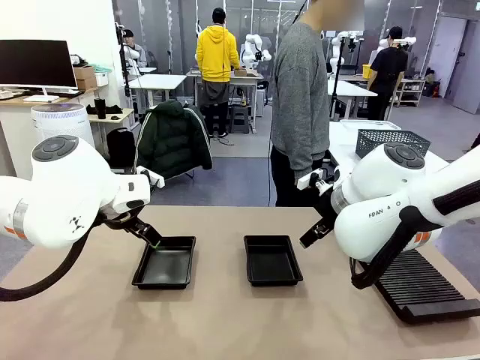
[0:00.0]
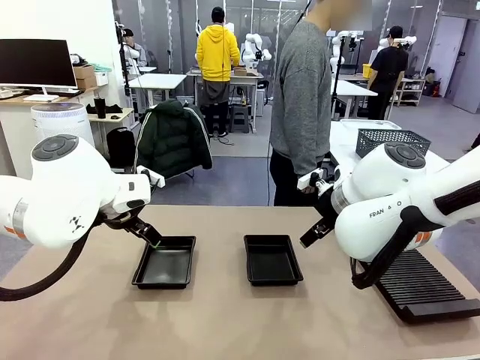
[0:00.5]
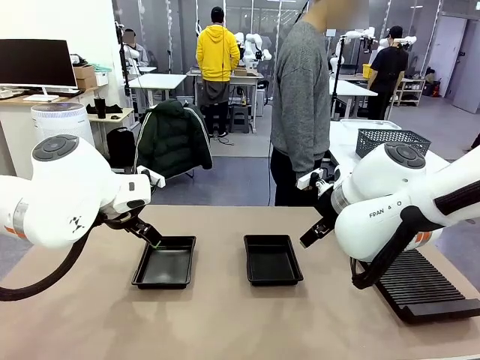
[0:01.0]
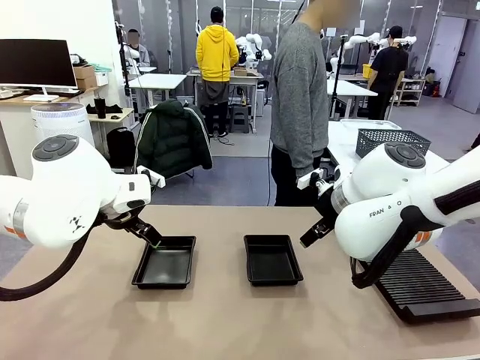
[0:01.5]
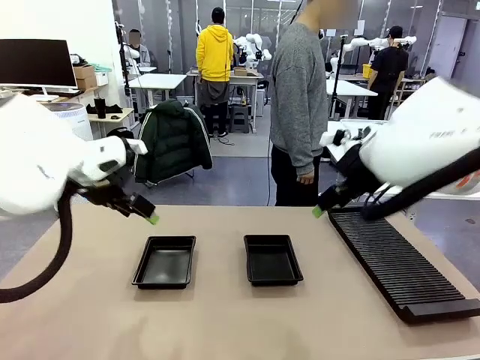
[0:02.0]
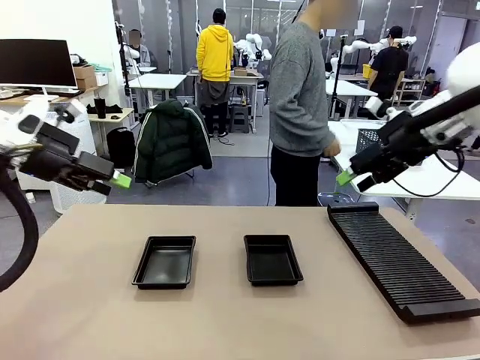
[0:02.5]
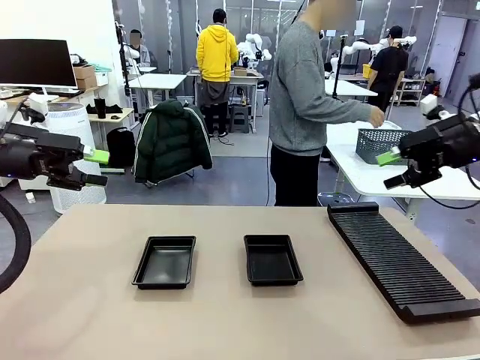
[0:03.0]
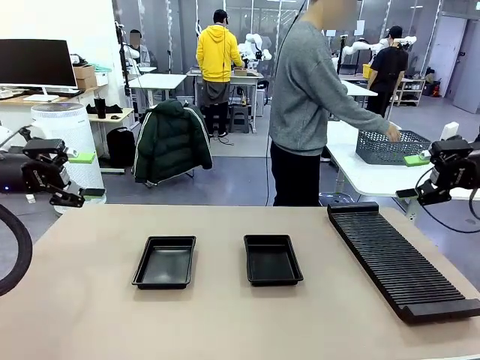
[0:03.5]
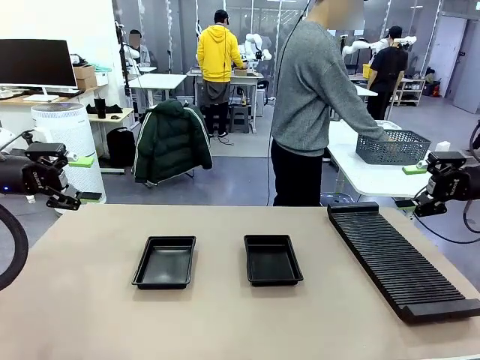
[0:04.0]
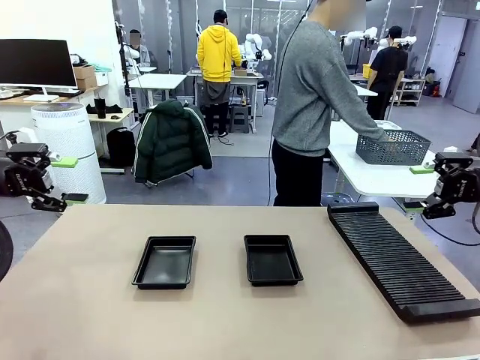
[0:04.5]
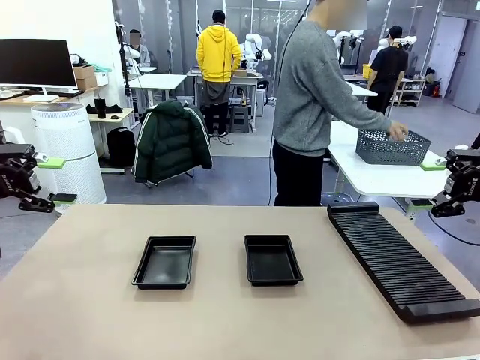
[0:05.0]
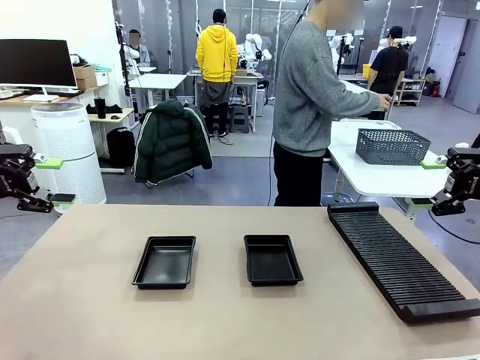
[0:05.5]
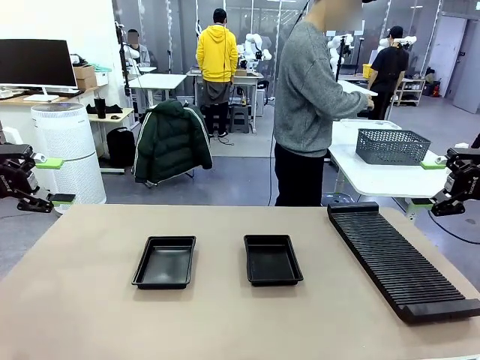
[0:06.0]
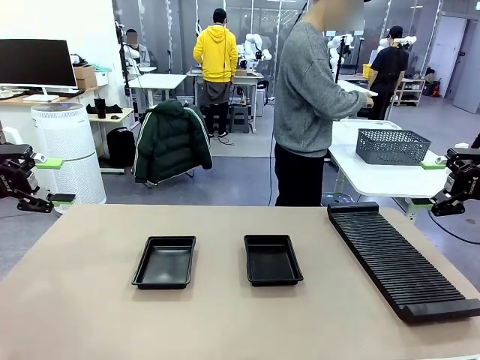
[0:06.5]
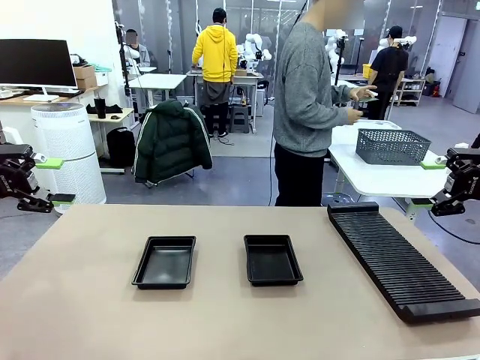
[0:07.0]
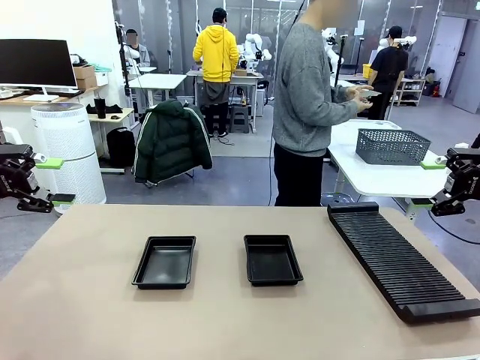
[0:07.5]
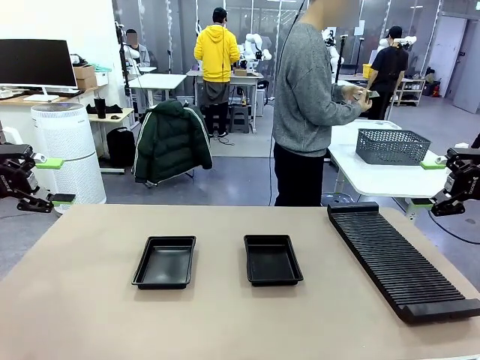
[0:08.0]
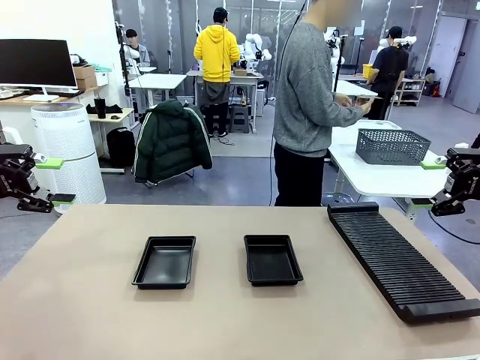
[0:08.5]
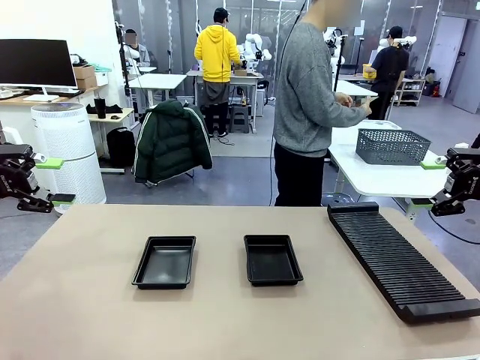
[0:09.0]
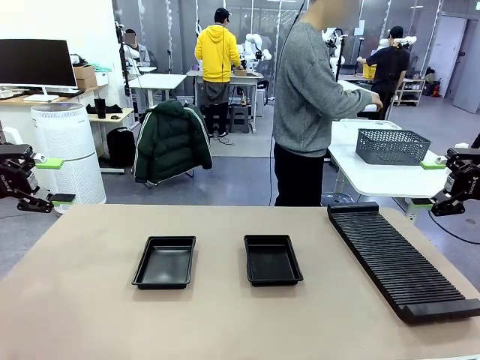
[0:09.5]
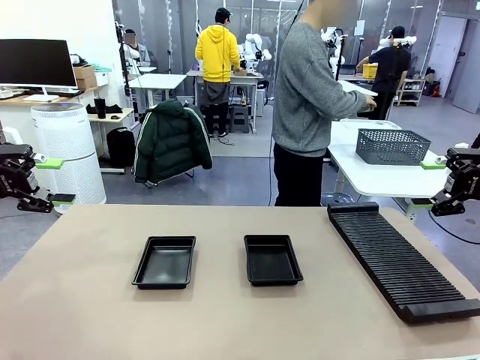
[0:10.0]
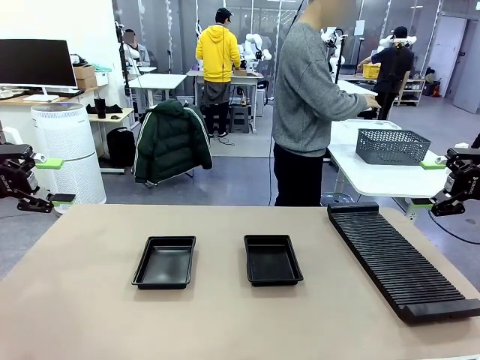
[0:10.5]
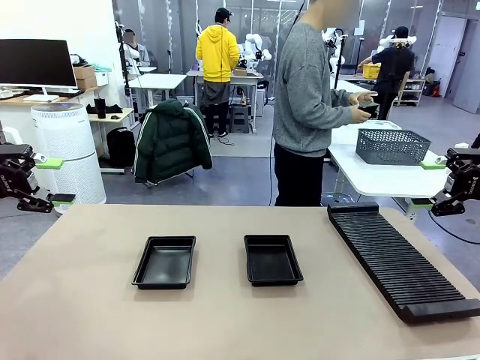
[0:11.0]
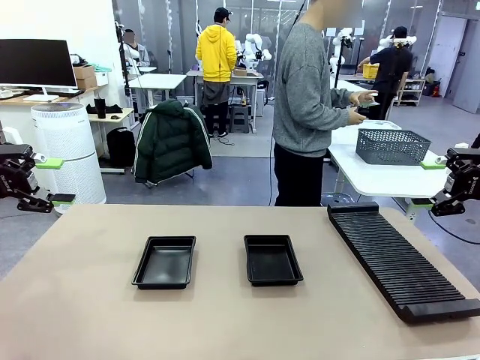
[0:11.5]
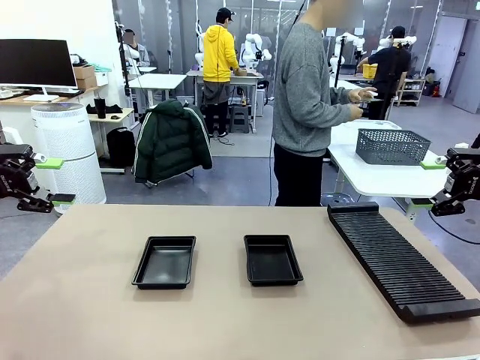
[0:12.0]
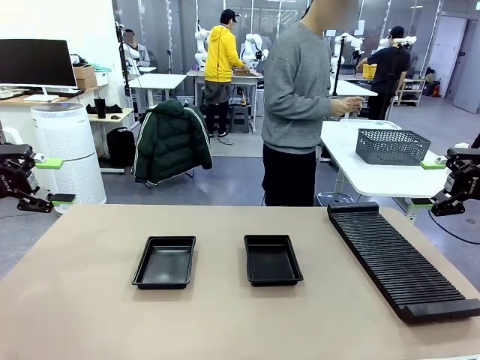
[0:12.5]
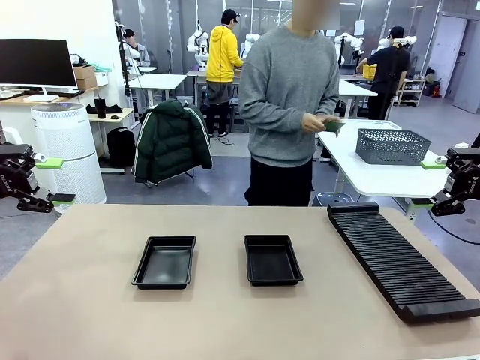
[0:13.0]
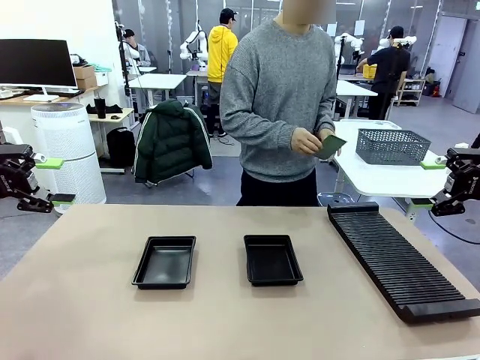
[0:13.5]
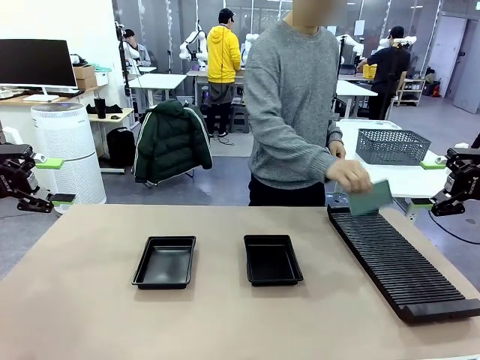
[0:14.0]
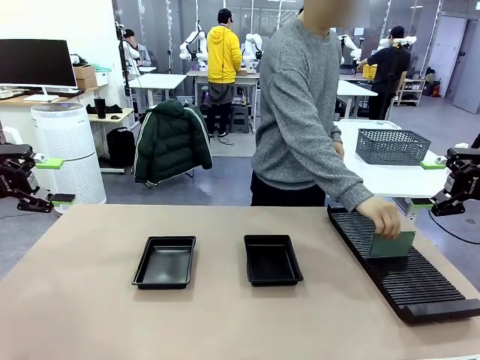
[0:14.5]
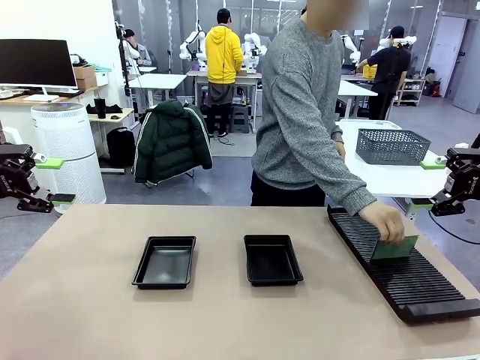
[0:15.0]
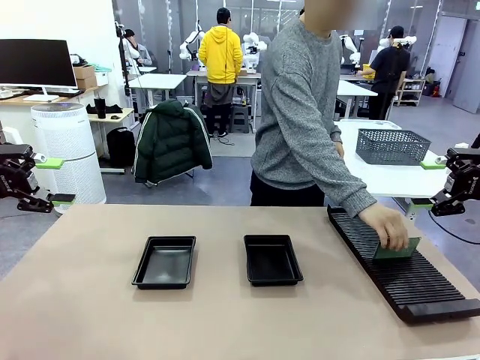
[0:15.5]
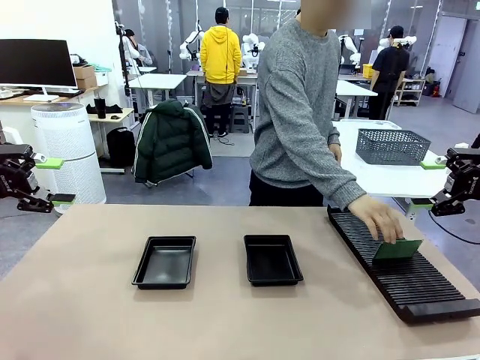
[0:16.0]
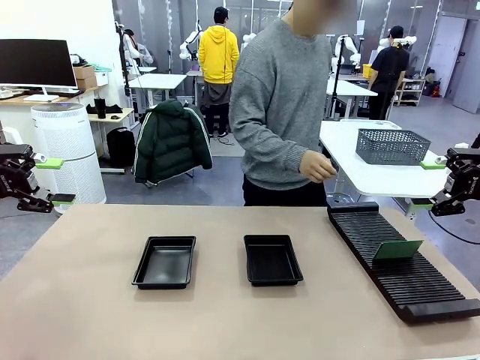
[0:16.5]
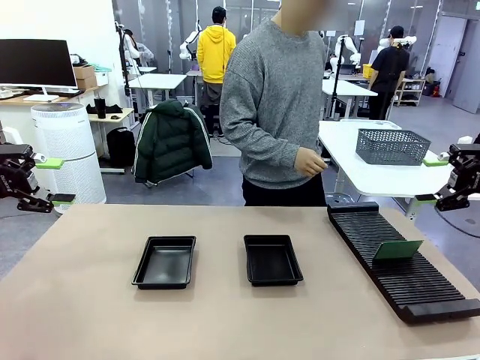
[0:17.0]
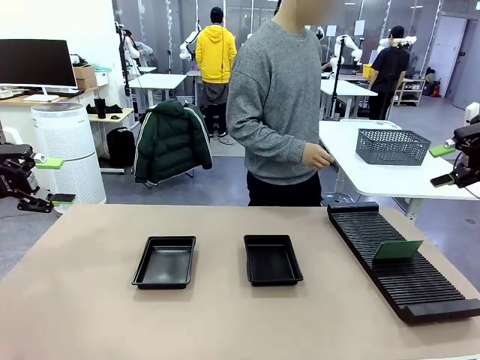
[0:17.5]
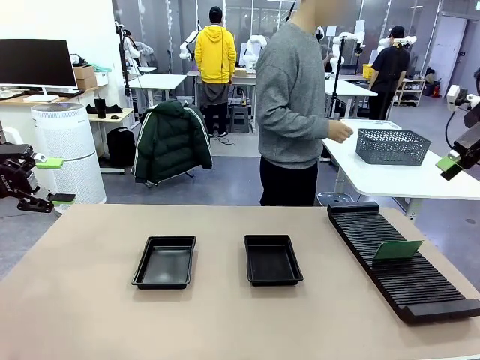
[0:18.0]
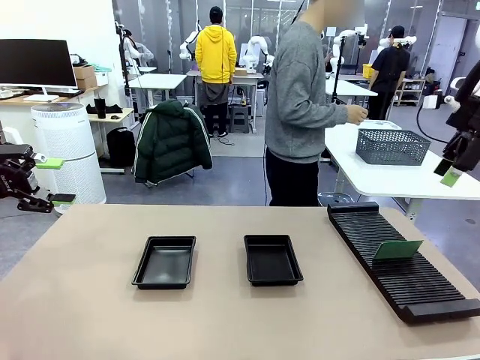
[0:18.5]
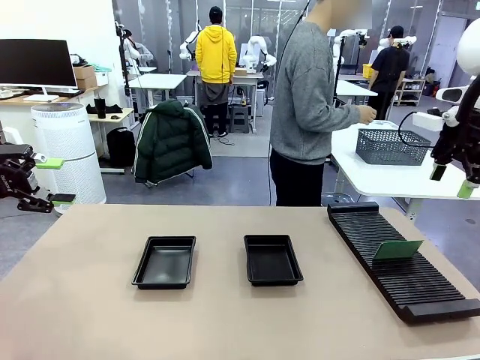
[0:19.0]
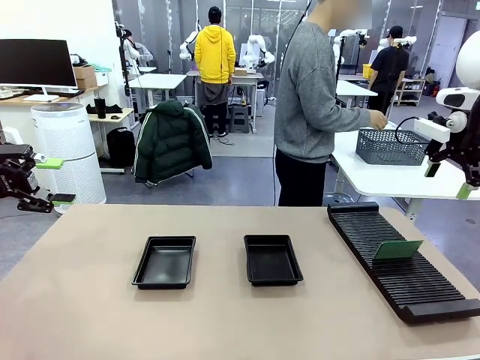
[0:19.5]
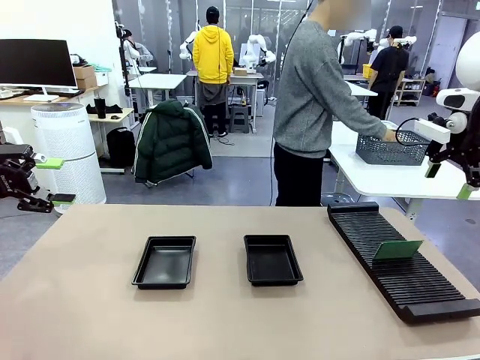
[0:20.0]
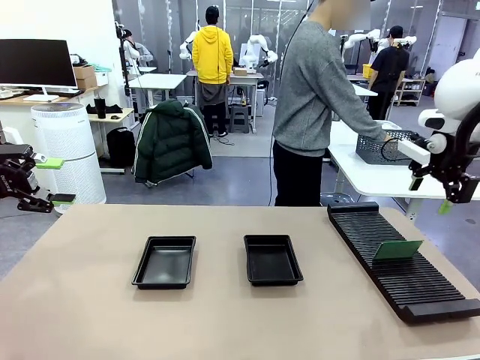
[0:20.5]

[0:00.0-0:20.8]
Task: Inspect and transfer BCBs to ESD trays.
Robot: Pick up the Blank PCB from the PCB Rack and place it in the left ESD tray.
